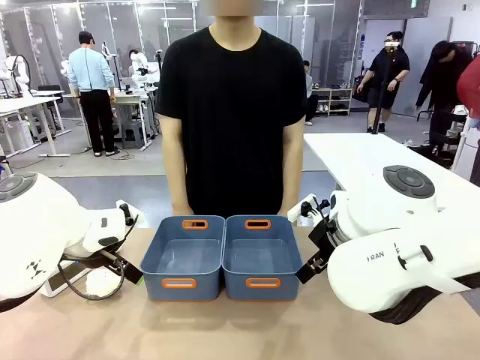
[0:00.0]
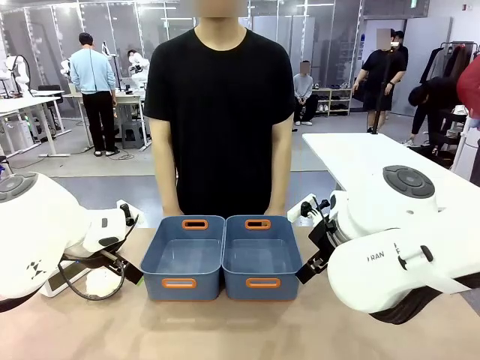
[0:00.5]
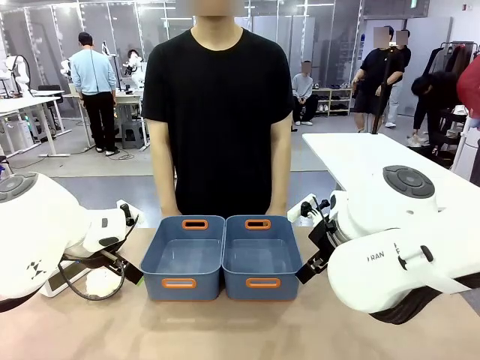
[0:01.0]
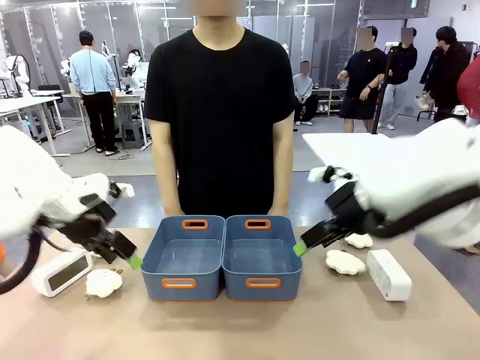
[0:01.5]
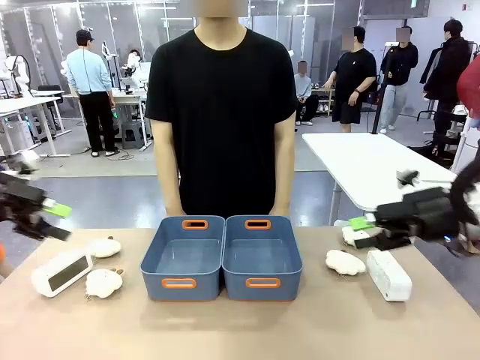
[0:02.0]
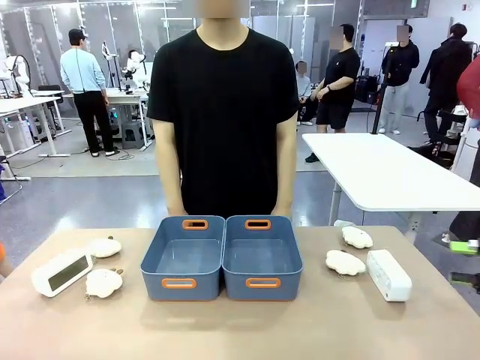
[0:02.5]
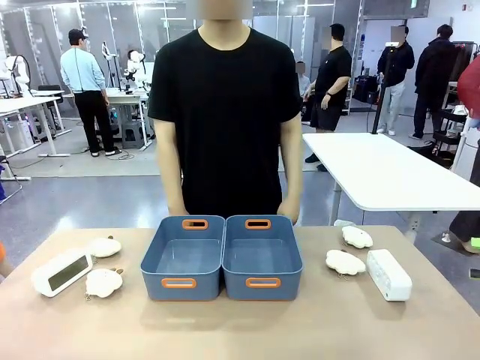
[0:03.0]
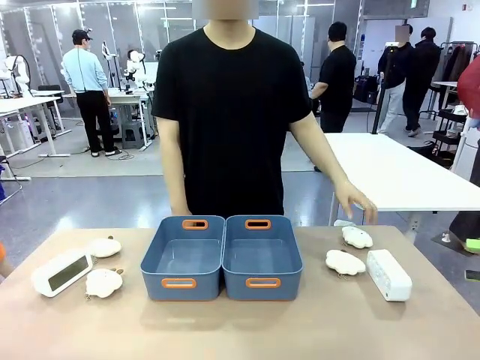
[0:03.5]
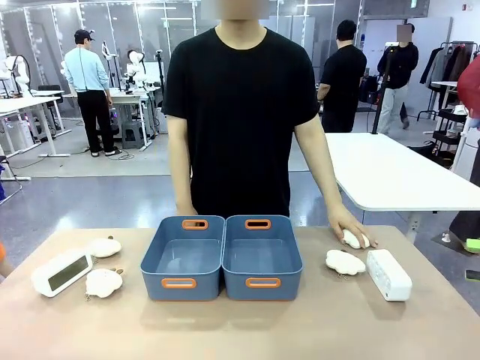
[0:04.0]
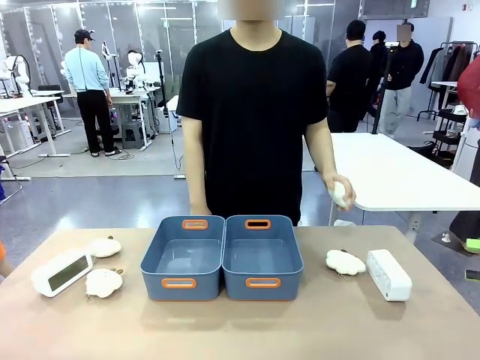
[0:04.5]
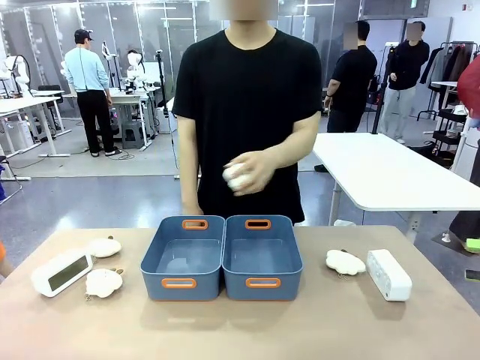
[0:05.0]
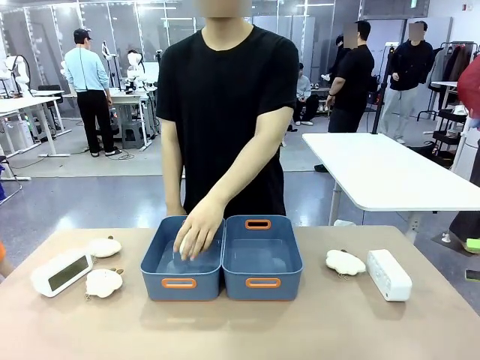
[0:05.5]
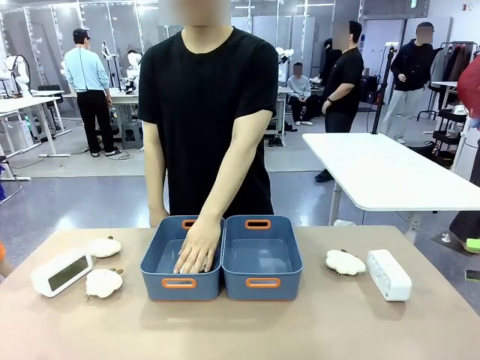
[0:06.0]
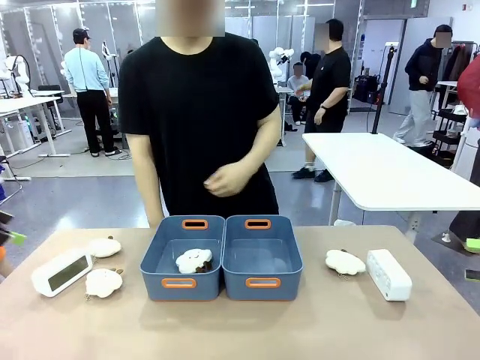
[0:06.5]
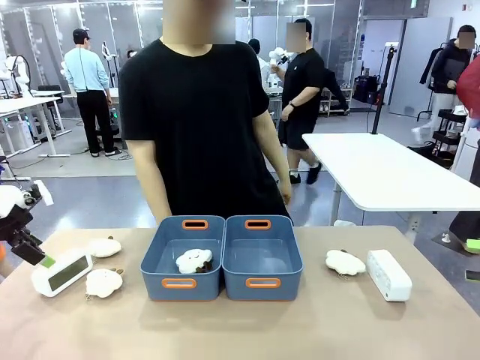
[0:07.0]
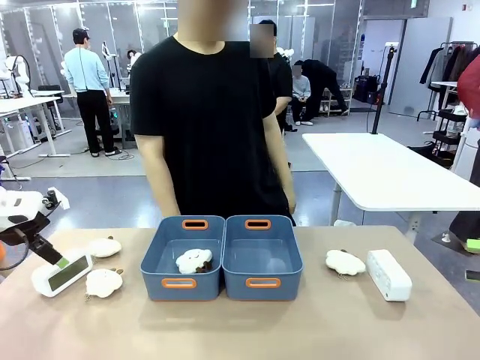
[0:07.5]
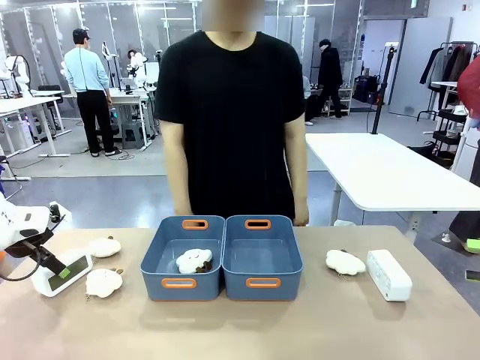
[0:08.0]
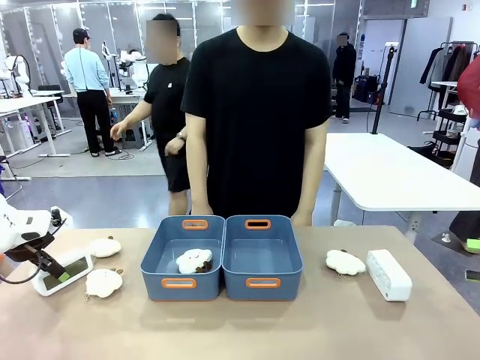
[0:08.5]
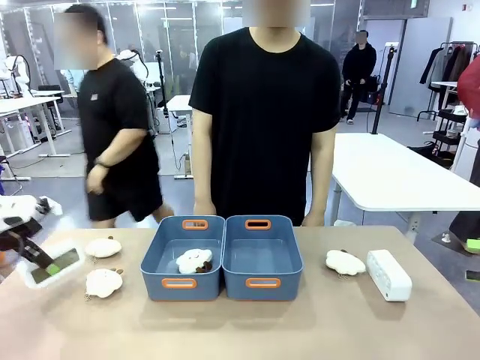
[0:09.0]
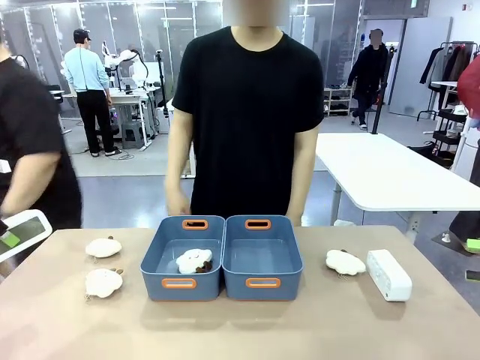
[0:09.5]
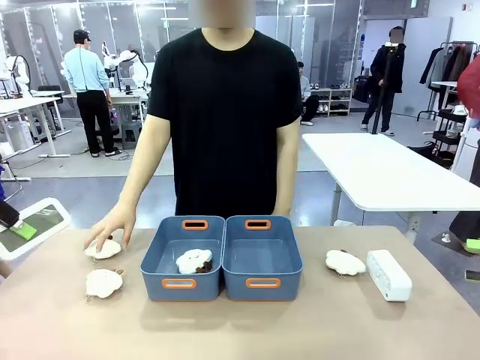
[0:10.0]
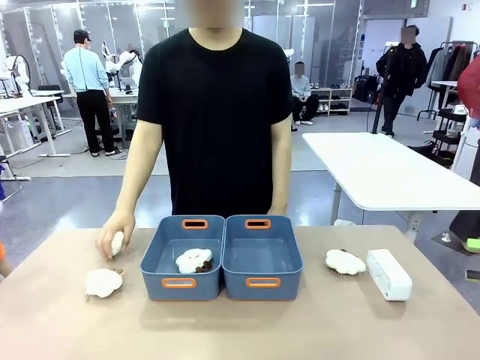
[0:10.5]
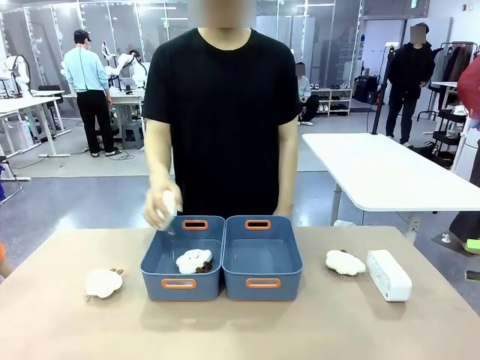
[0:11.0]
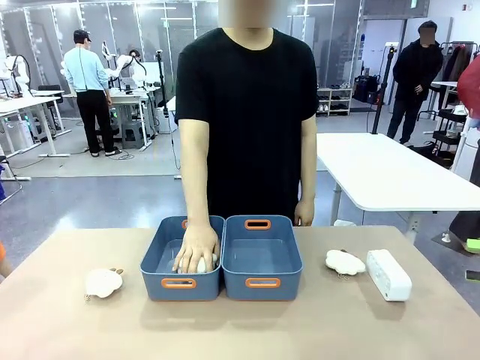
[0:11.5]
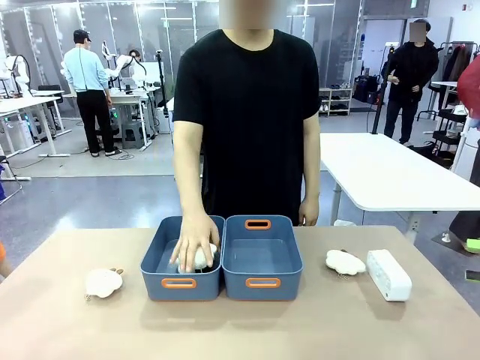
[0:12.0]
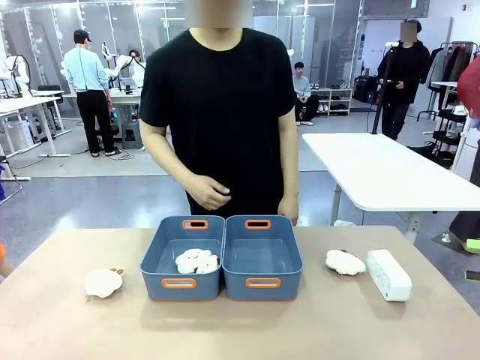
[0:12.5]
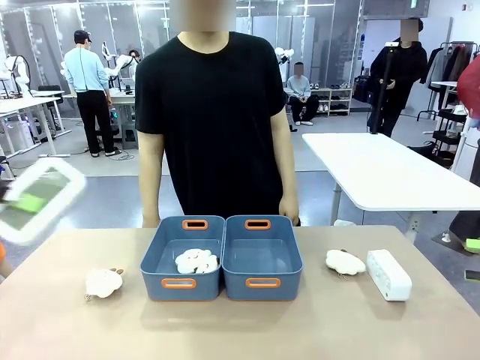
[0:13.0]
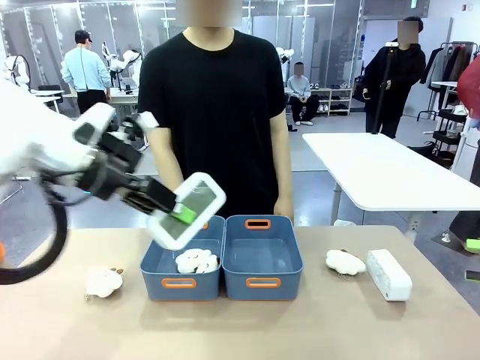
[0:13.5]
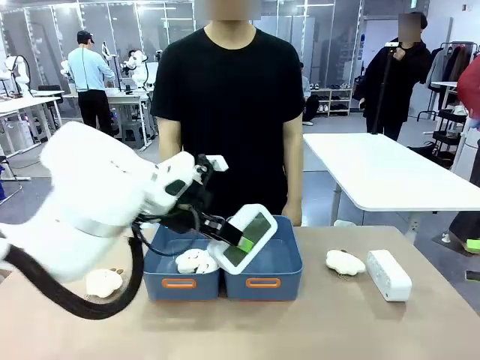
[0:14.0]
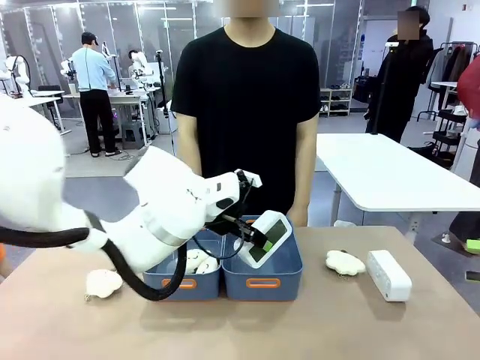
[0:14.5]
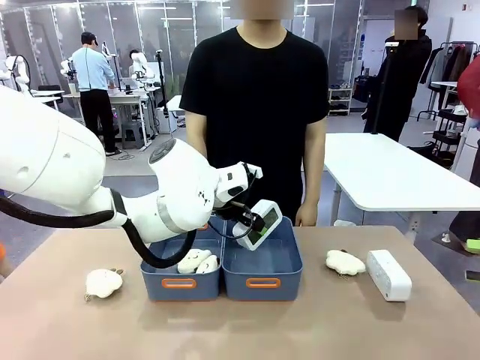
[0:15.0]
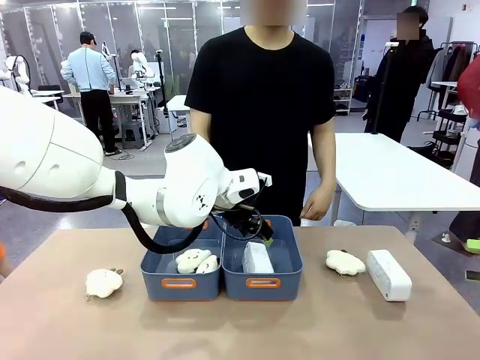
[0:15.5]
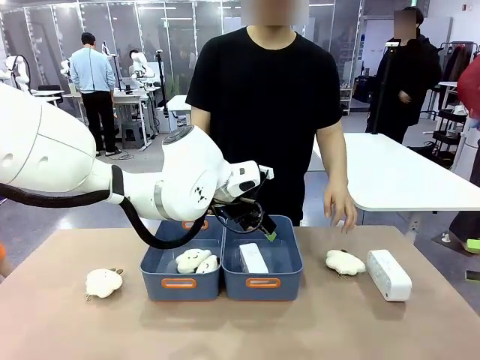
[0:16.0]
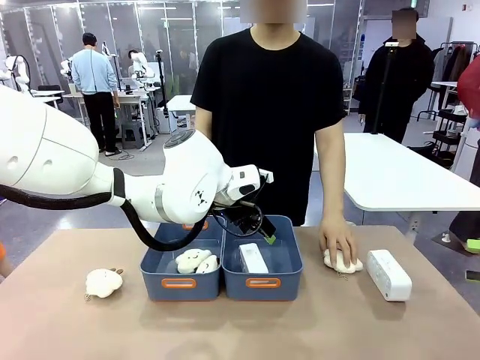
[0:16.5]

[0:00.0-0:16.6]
Task: Sort the digital clocks into the basket.
Robot: Pick up the Digital clock from the table and place it into the empty Plastic storage basket.
Person: Pick up a plush toy from the table and place it in a plastic storage basket.

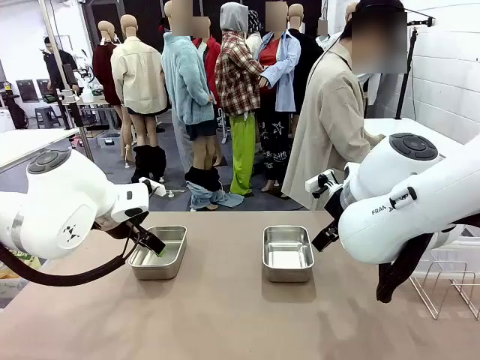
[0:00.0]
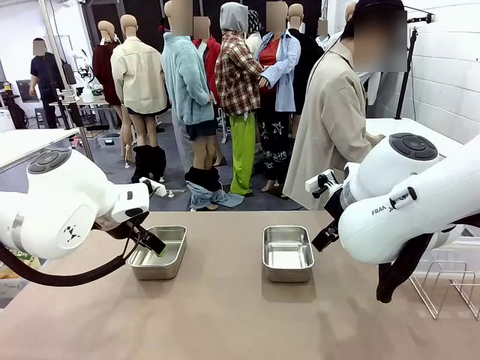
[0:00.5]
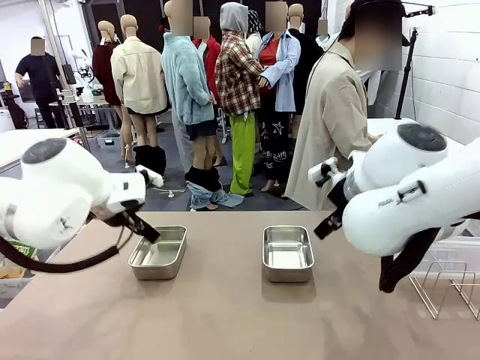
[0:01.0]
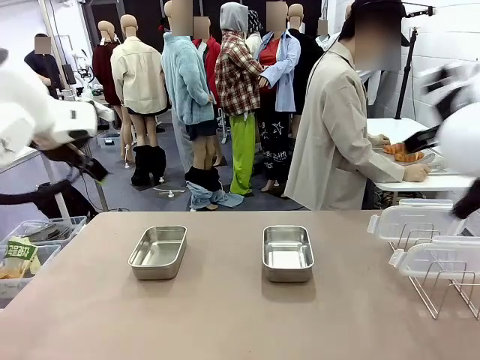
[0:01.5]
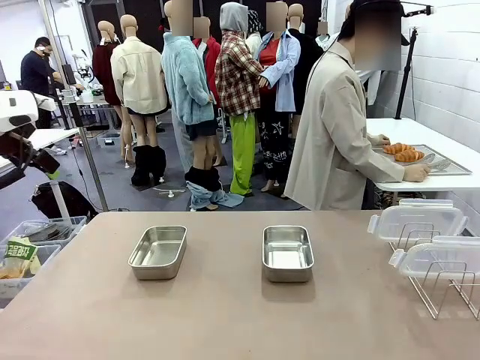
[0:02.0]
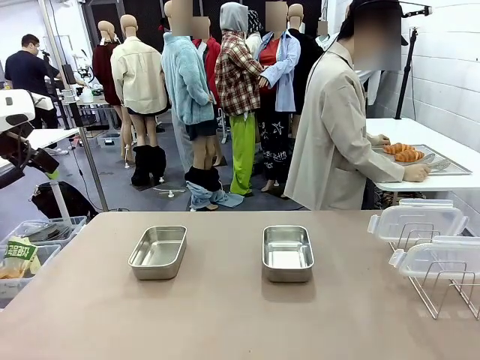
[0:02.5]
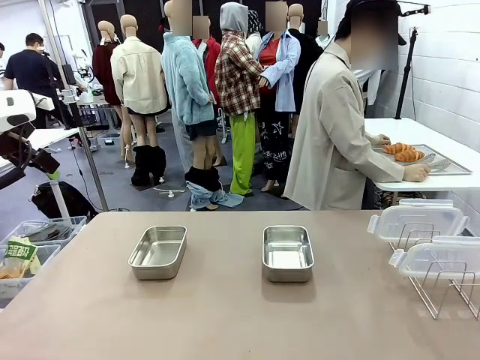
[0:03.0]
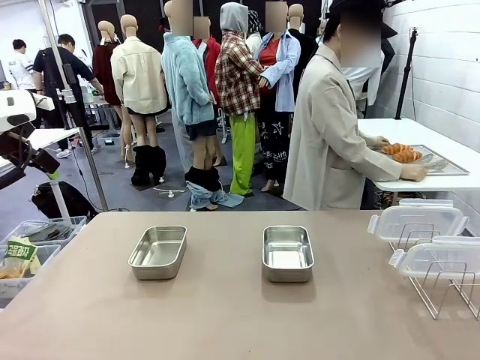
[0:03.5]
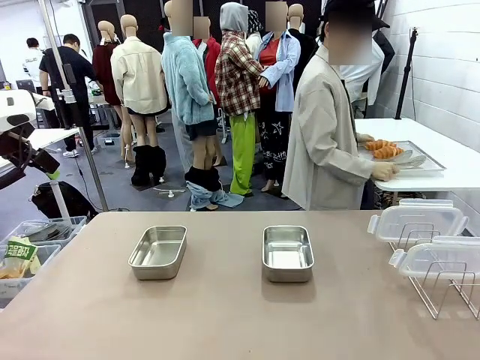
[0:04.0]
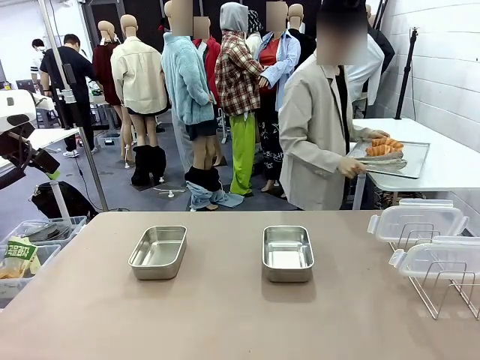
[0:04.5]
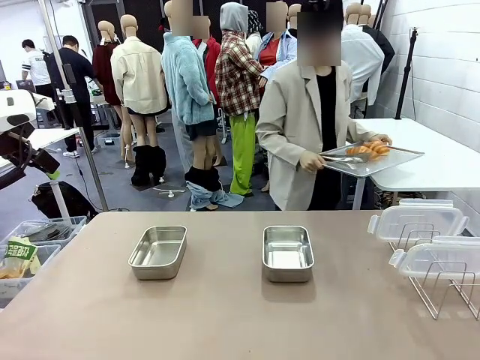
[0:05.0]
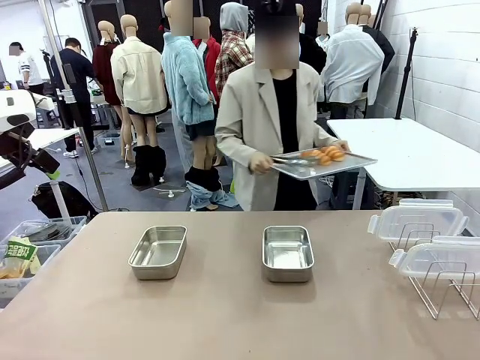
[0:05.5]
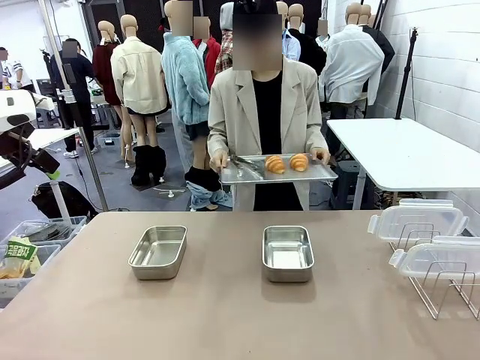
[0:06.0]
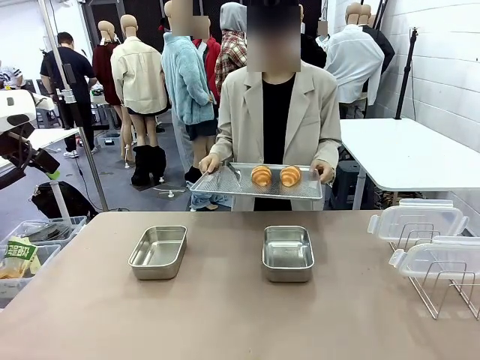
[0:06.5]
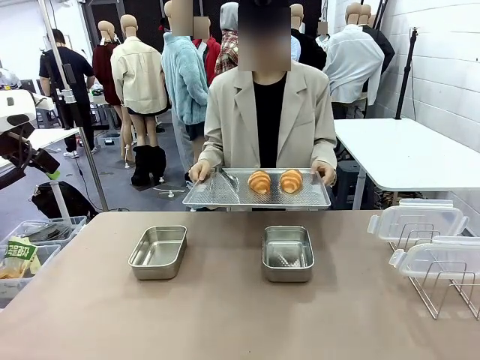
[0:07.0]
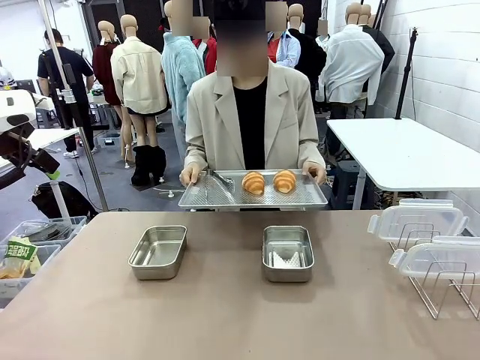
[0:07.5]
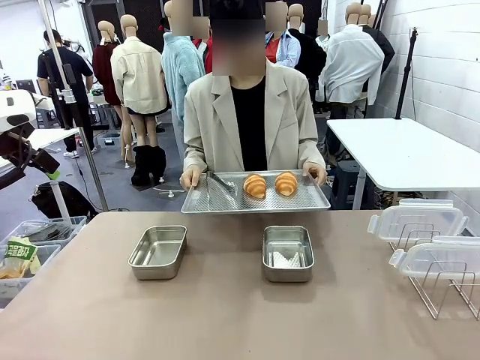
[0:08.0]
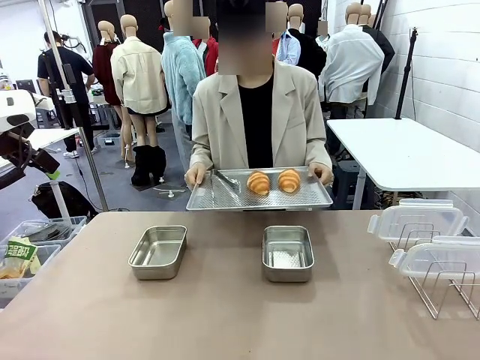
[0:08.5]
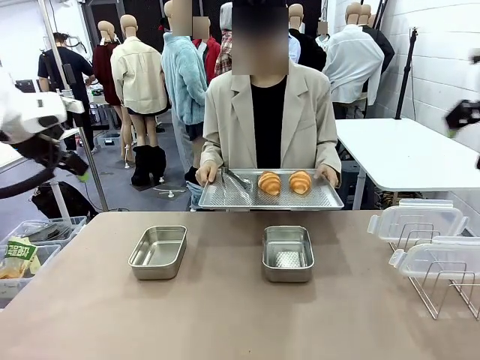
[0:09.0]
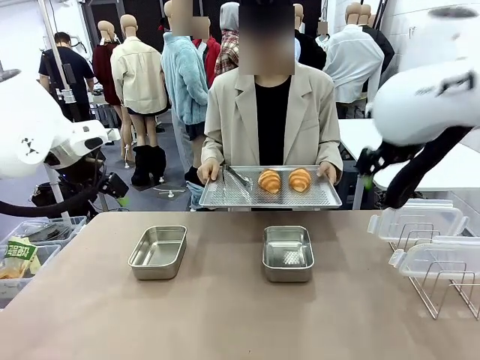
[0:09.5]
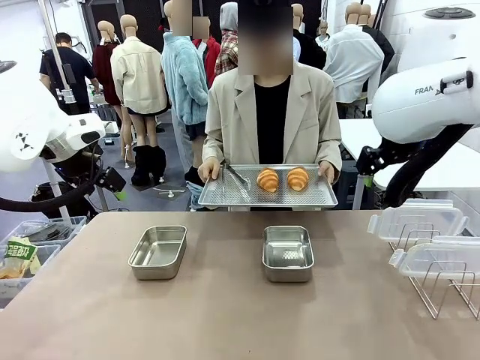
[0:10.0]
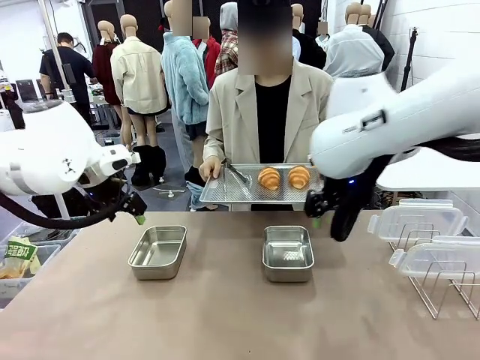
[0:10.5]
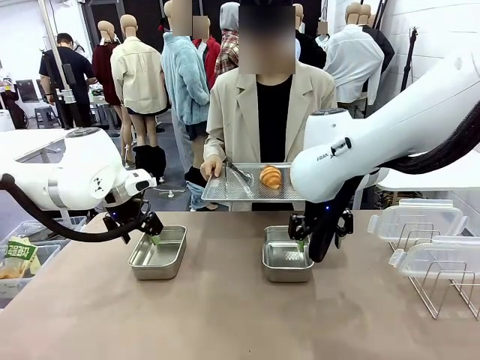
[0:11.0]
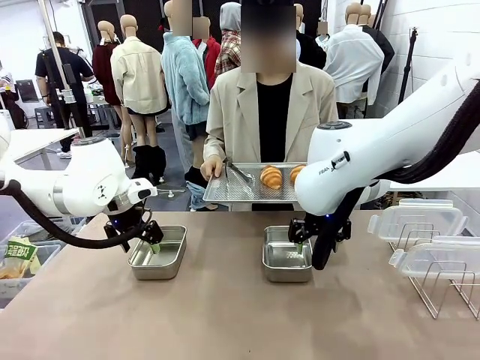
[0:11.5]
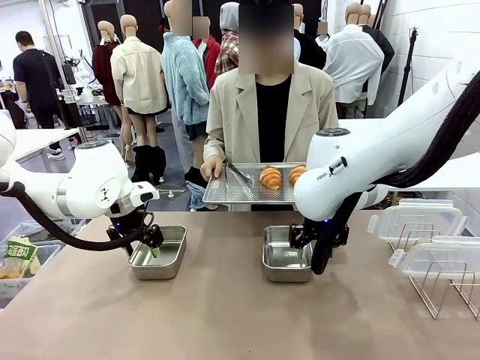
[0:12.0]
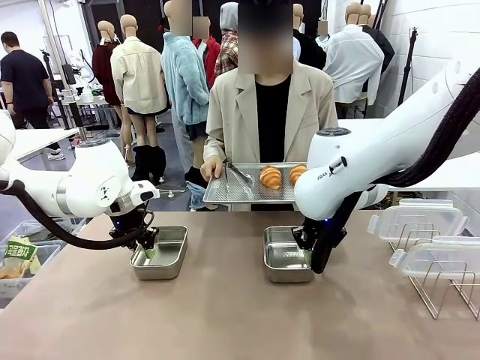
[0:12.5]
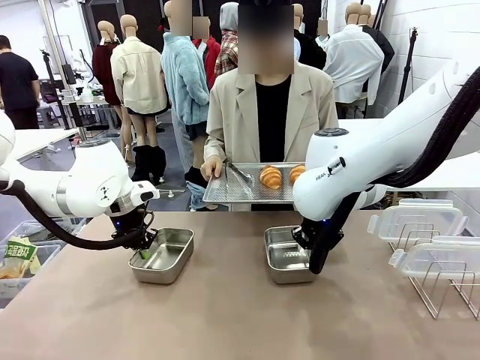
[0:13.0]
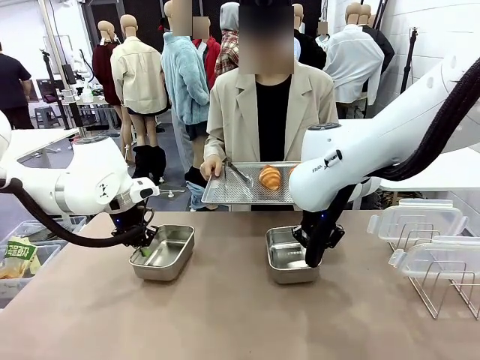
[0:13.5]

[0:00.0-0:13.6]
Task: Place the bread in airtight containers.
Robot: Lift both Airtight Container.
Person: Bring the Baking Sheet in front of Robot's Table.
